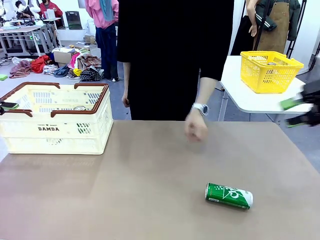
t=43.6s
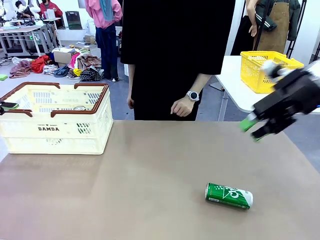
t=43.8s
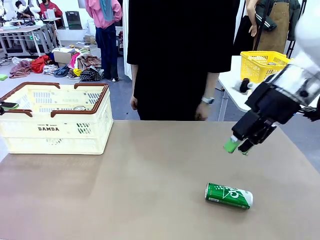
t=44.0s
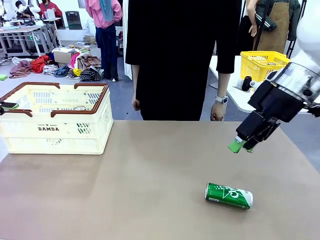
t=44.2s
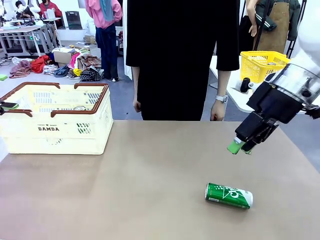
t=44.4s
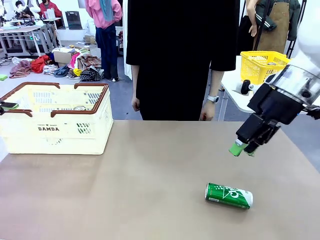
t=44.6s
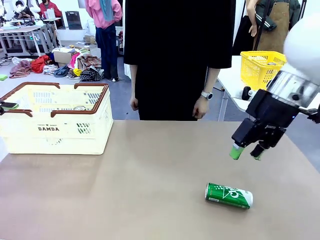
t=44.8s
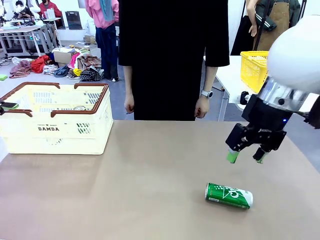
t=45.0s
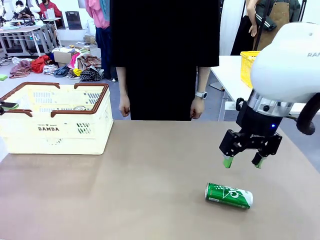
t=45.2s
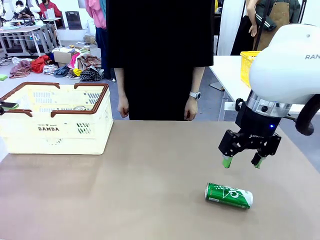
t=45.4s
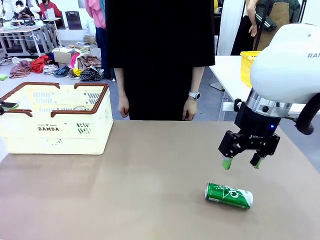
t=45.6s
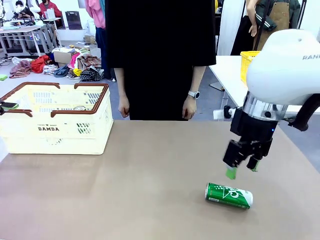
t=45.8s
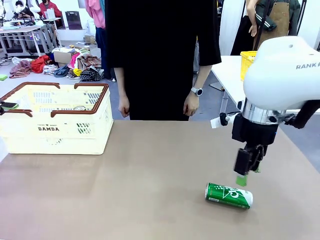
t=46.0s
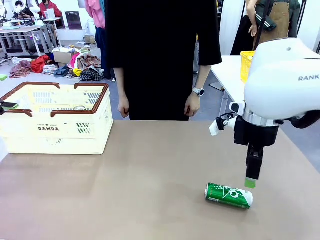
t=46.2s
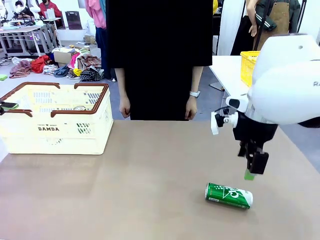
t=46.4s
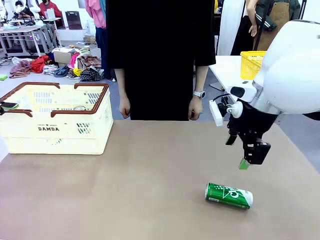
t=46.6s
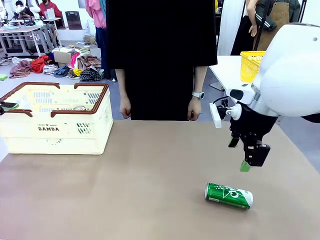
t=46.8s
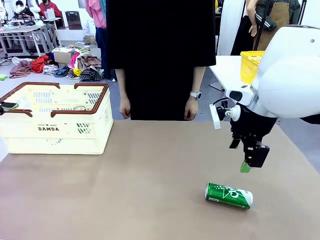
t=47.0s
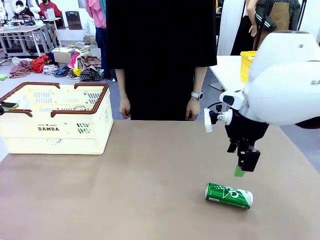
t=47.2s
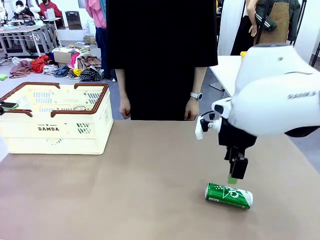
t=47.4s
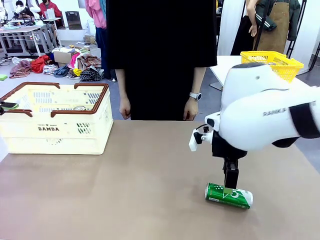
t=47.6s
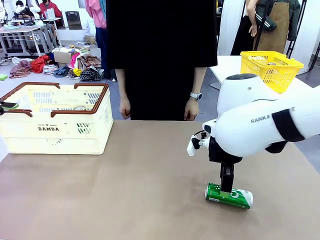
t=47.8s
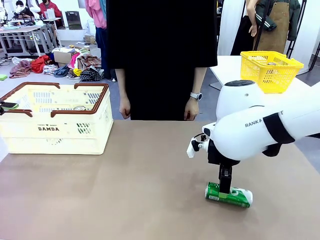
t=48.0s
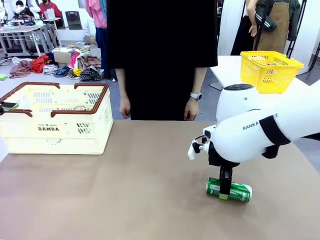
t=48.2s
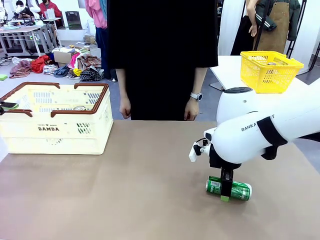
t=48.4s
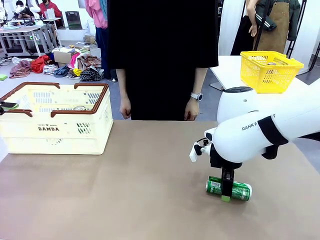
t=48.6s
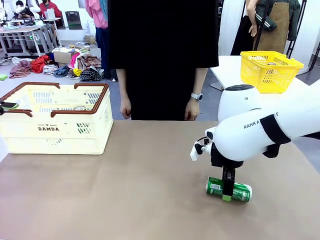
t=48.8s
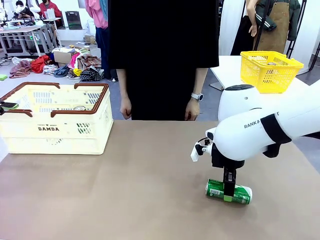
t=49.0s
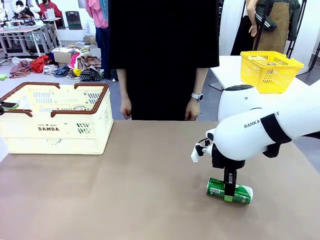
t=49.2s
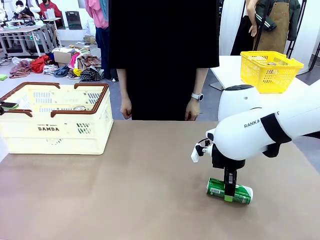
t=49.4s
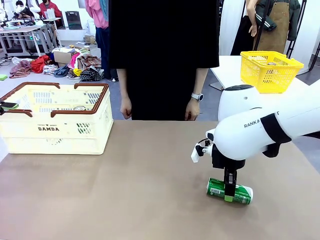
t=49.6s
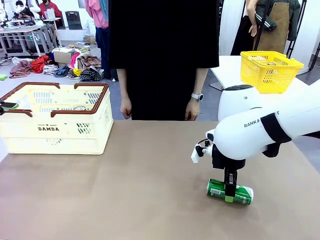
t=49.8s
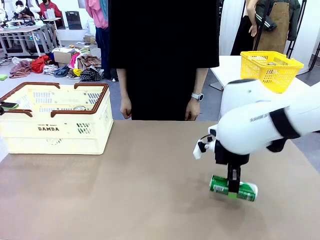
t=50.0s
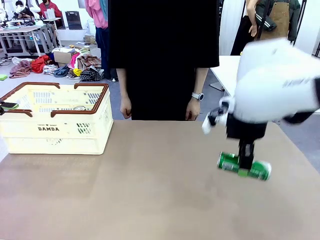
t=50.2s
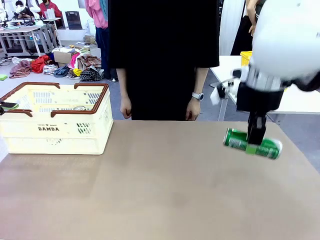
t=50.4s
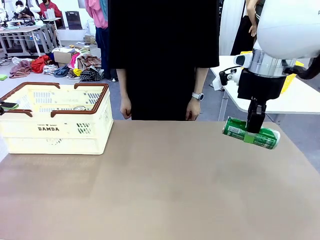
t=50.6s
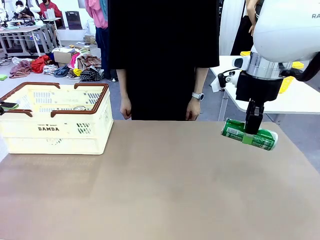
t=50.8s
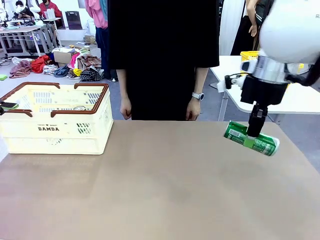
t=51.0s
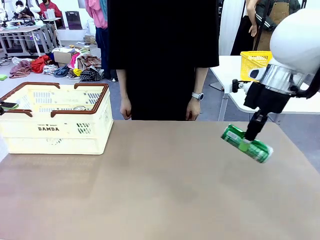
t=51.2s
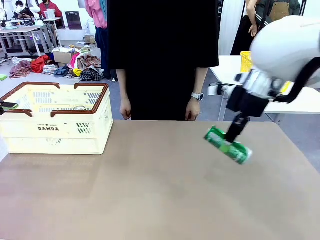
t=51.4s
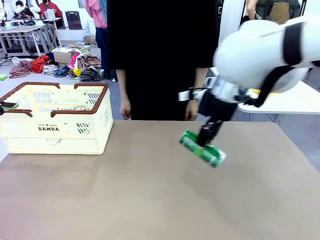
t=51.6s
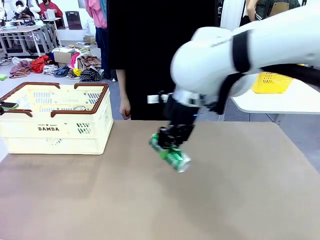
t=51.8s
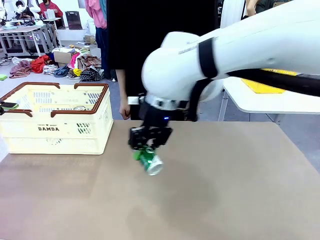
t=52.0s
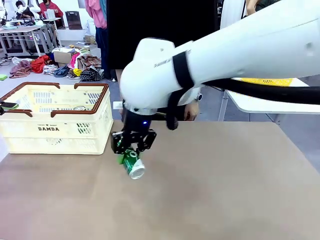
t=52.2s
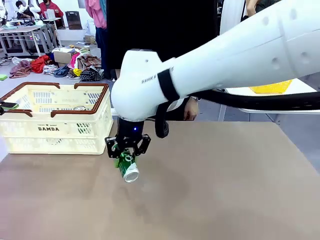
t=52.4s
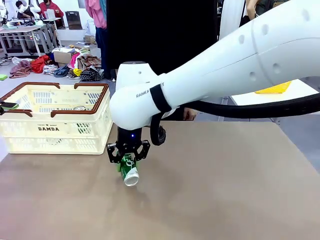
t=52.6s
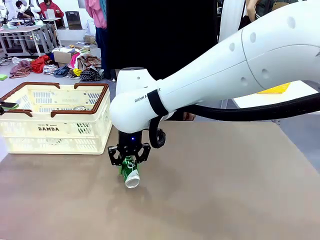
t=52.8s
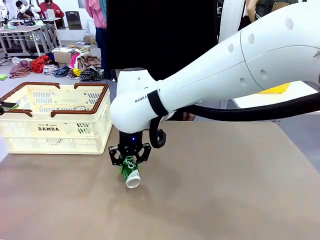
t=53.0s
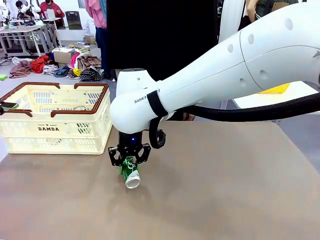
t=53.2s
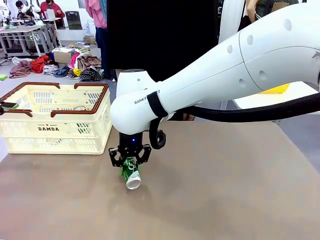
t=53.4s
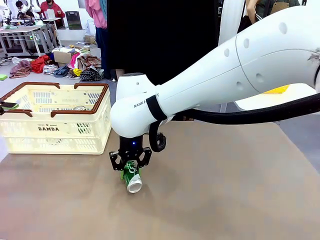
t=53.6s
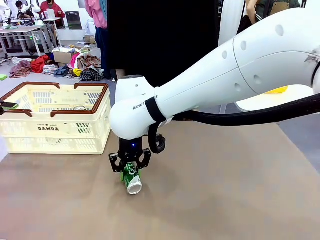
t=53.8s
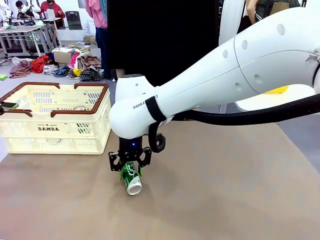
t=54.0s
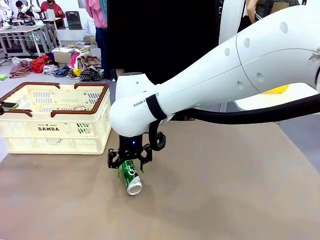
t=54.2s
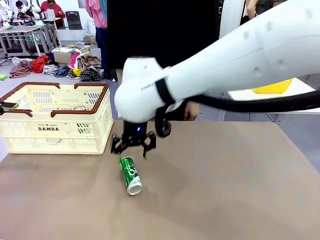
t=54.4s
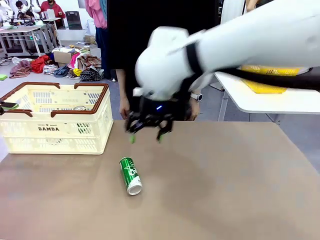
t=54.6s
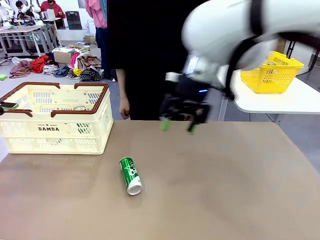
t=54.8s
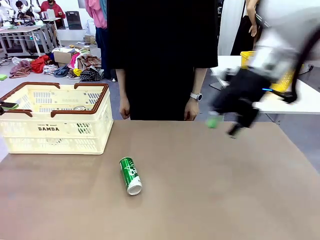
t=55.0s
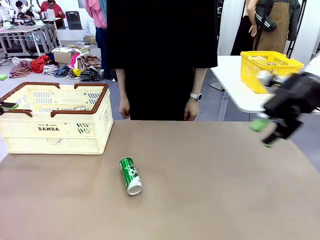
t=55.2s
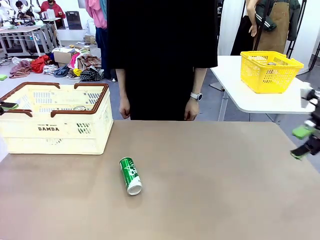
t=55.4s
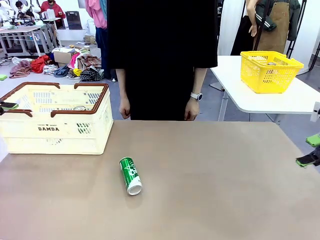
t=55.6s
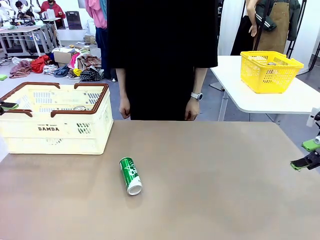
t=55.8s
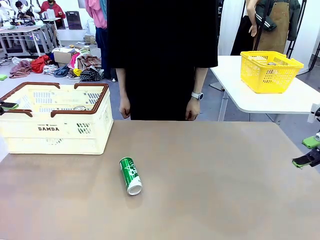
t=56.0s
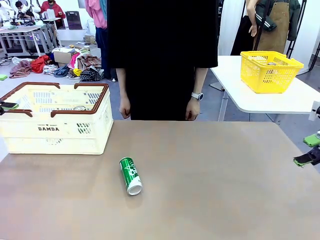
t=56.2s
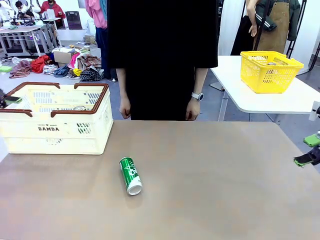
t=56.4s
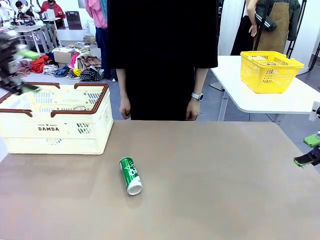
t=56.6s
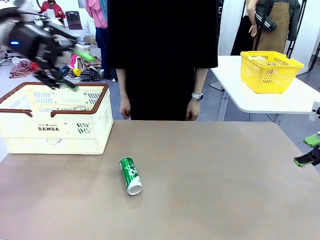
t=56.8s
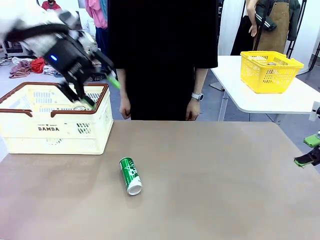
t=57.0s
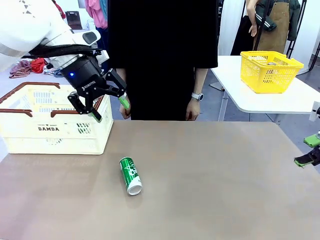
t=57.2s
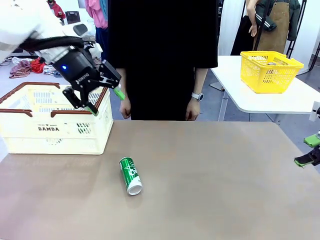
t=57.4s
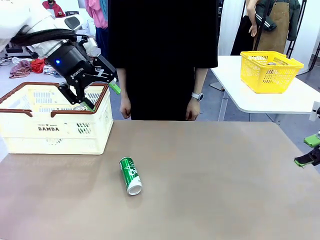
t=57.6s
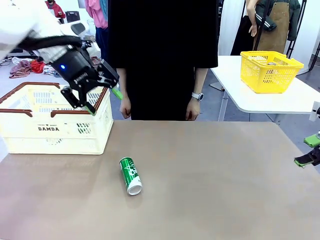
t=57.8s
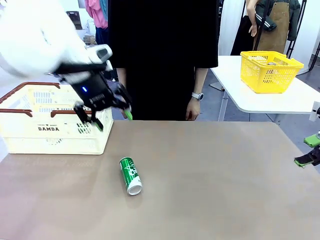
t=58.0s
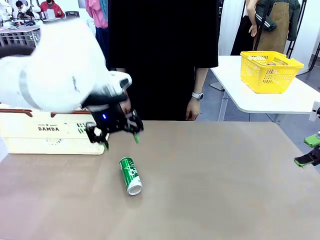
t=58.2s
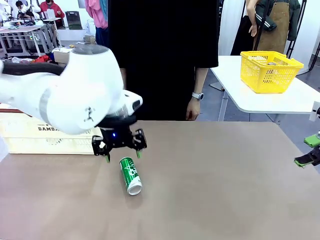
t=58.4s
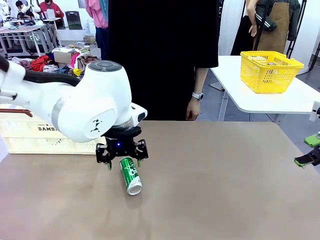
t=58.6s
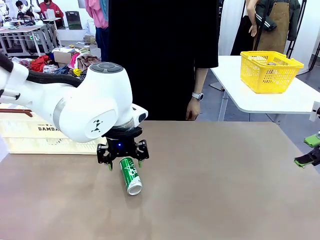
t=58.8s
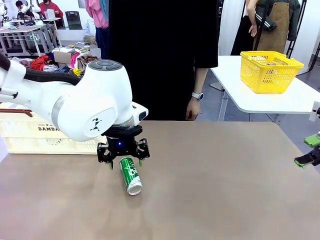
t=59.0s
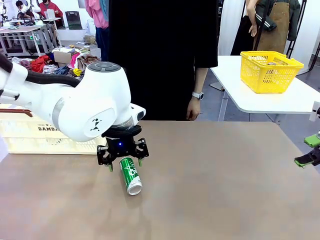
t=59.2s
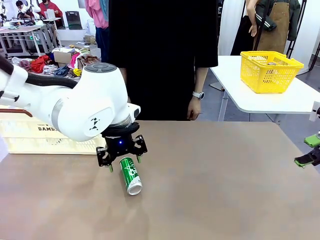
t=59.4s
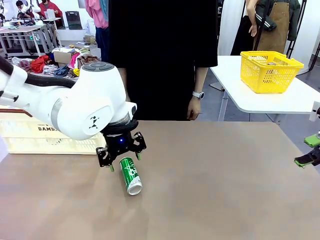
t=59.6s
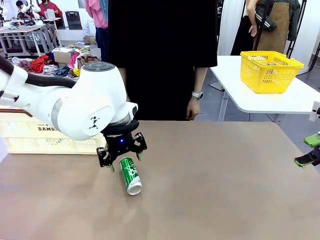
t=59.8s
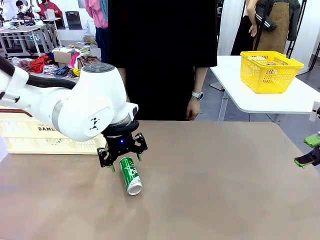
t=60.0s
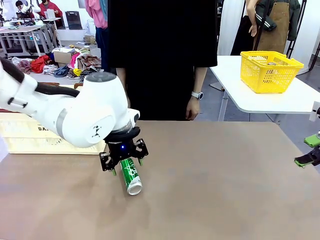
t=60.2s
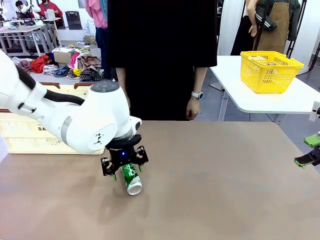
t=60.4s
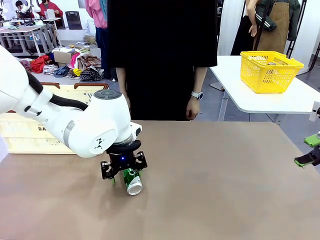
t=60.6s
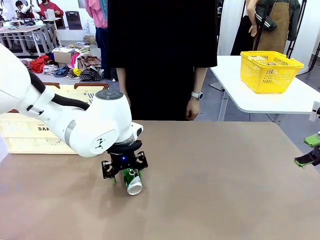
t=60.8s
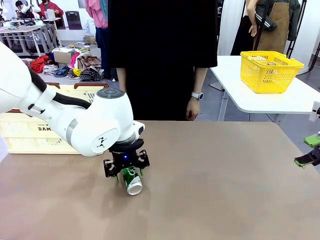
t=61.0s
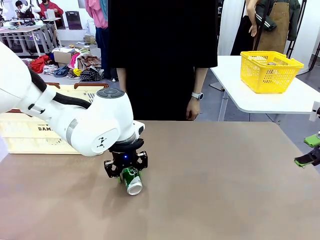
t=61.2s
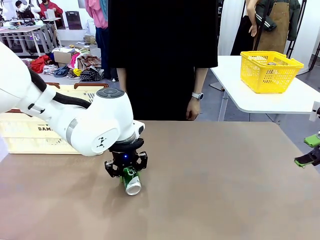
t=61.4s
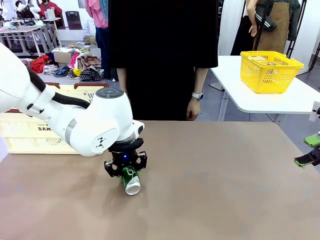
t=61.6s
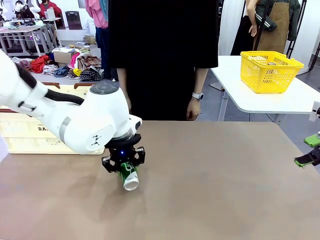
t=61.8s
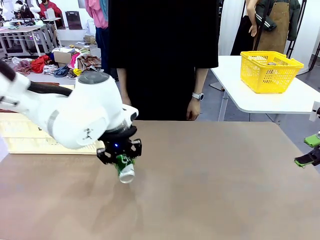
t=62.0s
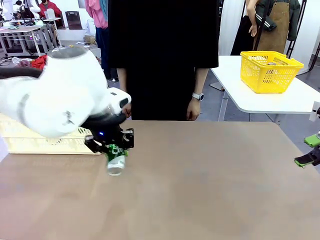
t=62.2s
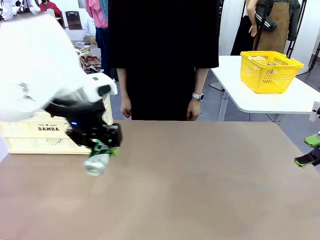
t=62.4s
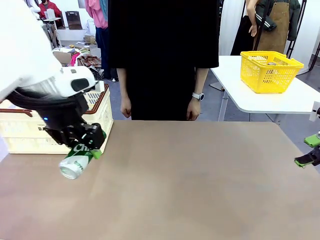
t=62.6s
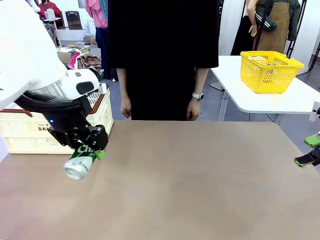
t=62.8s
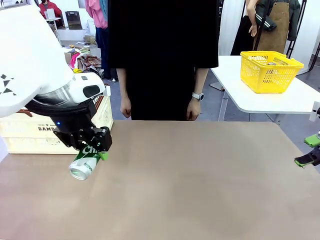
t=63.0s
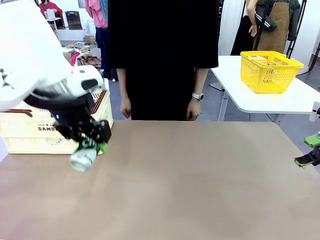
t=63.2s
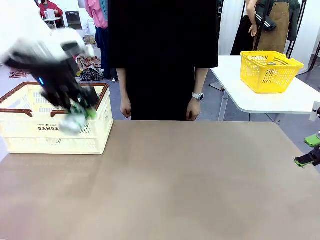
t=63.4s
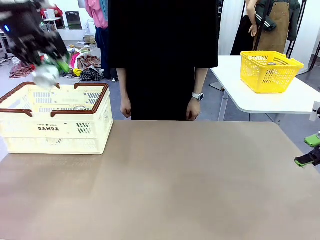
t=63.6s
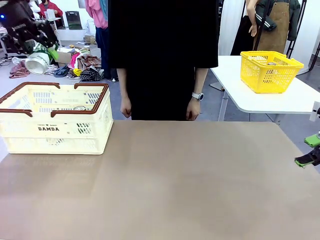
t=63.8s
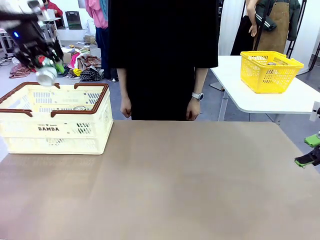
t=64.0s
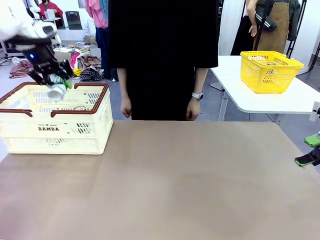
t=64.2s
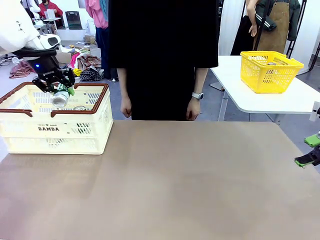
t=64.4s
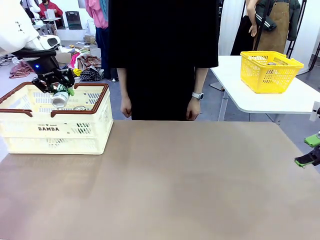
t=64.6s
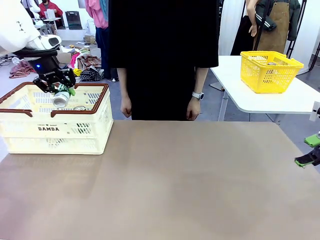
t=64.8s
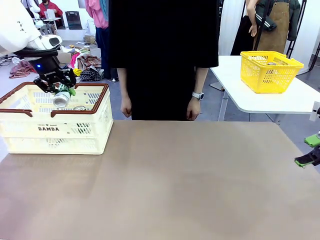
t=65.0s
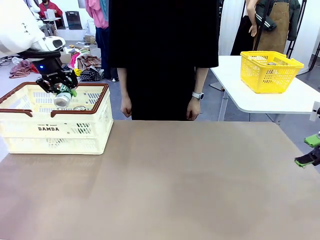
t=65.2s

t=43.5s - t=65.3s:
Task: Place the drinks into the Shopping basket.
Robot: Pick up one drink and place it into the Shopping basket.
